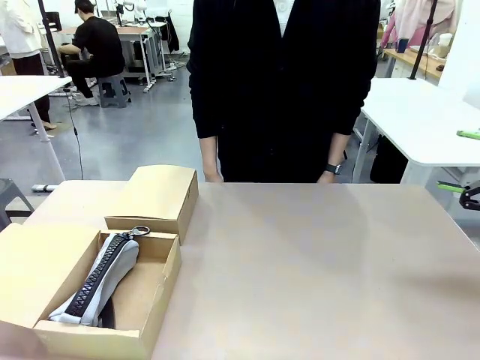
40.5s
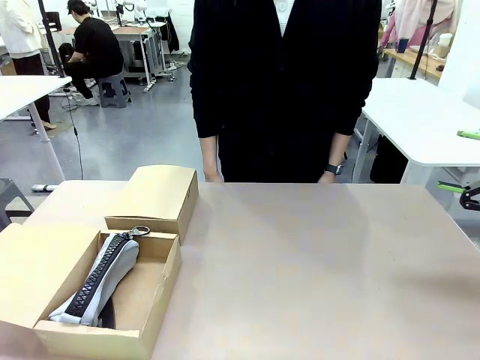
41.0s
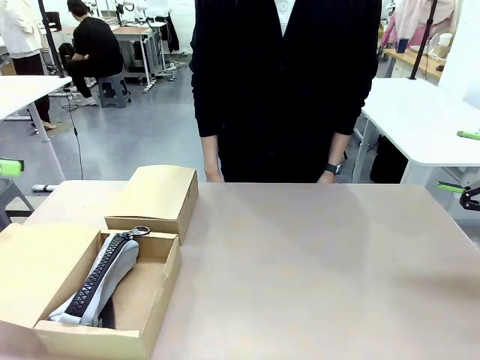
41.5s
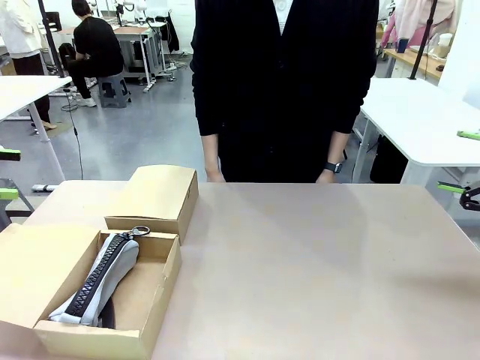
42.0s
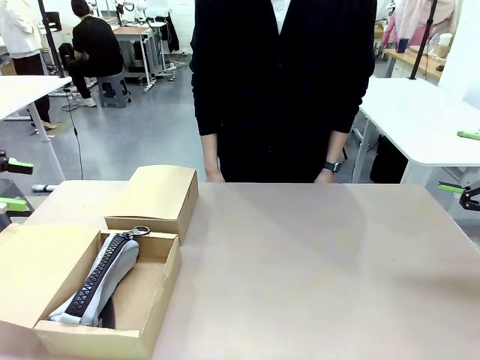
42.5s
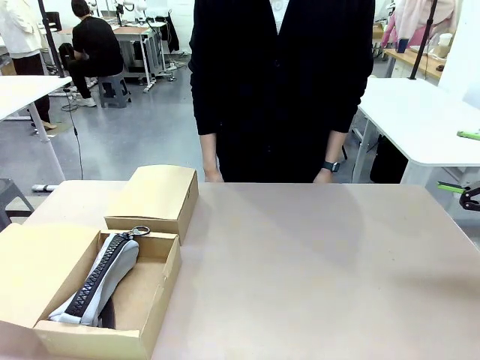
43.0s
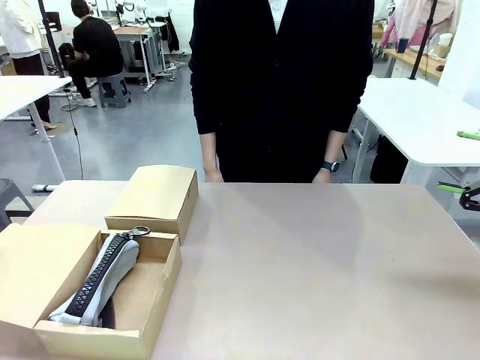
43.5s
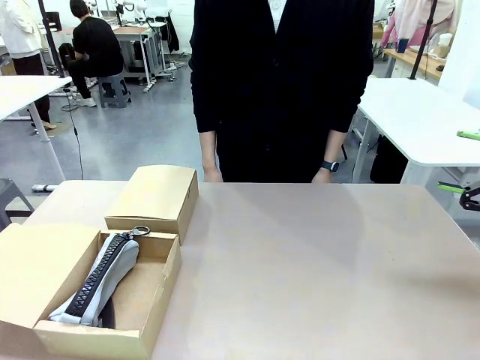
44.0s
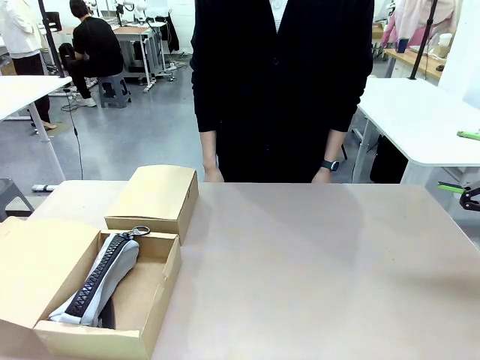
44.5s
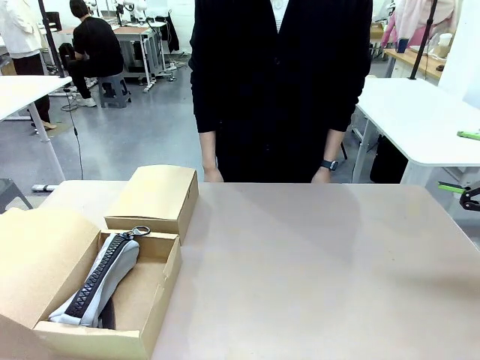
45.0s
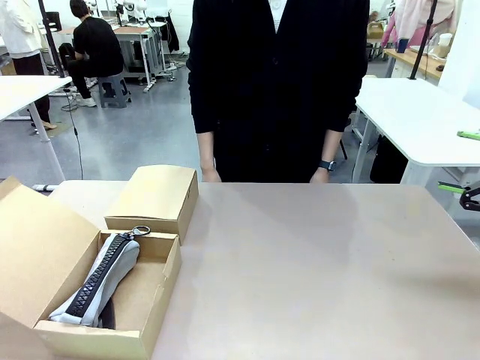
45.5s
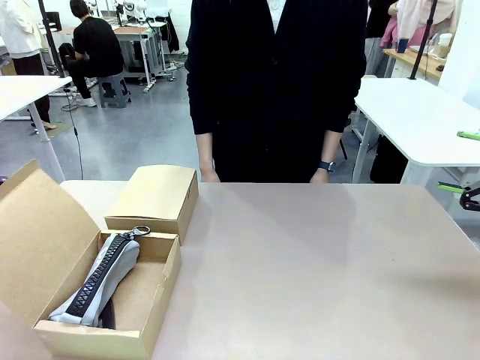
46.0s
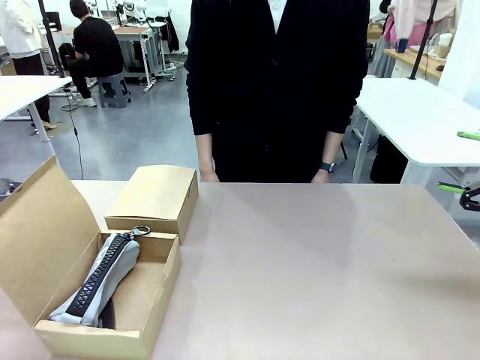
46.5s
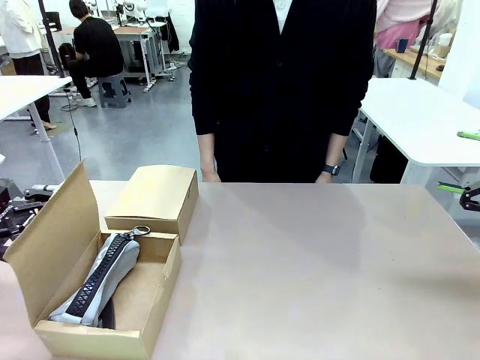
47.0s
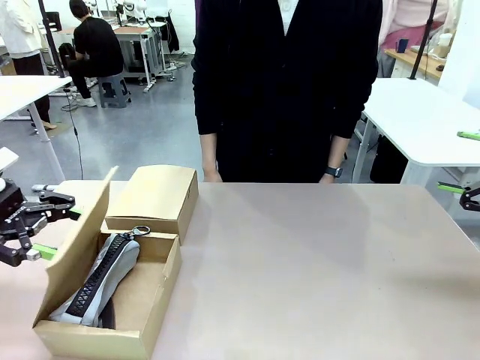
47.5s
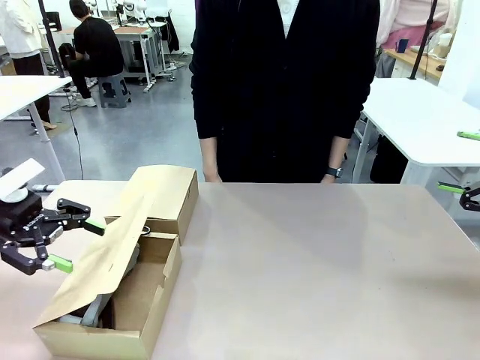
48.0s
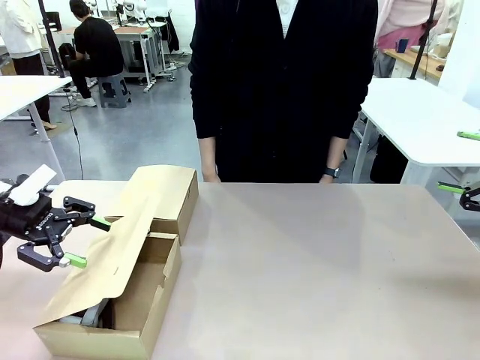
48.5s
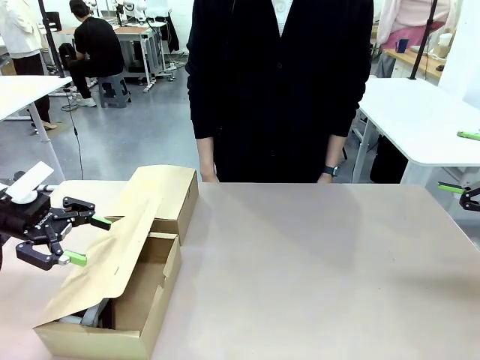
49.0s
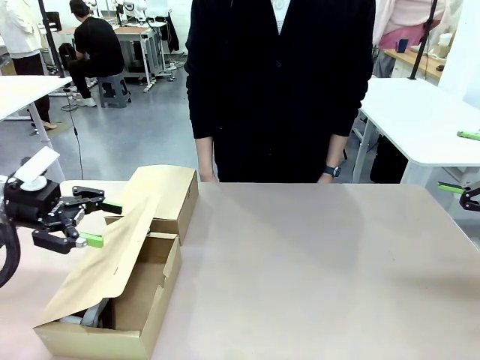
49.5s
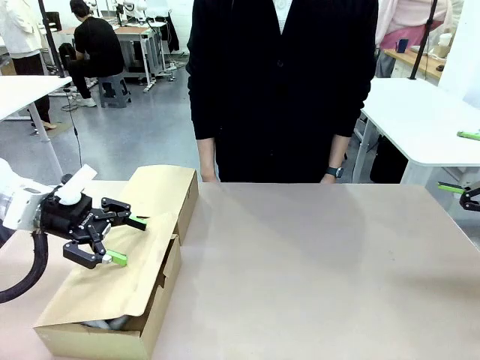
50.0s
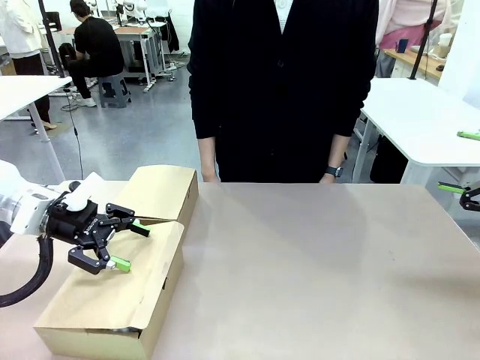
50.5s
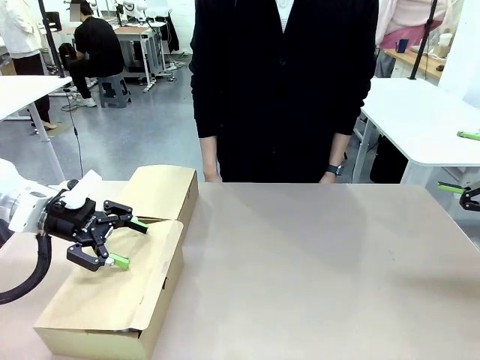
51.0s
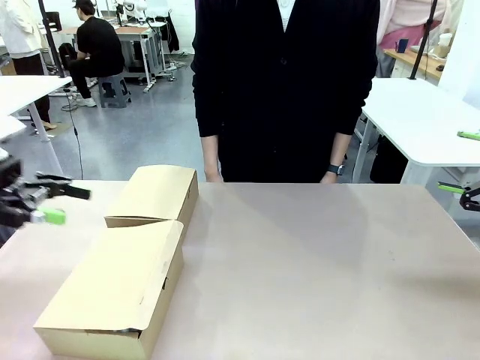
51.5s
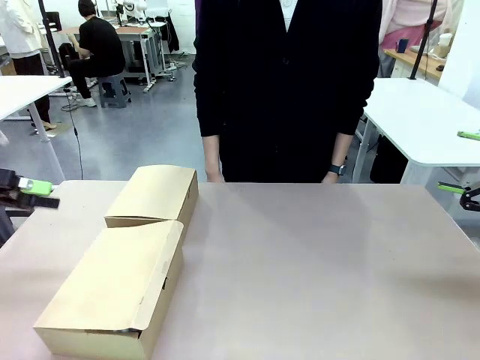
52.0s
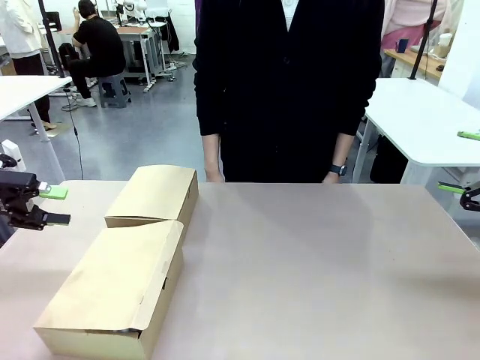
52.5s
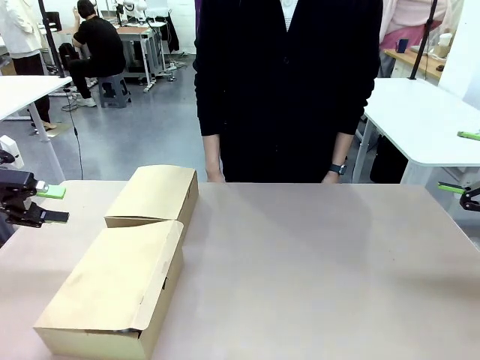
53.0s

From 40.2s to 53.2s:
Task: Place items inside the box.
Robot: Close the lid of the Mailer Box closest to the robot.

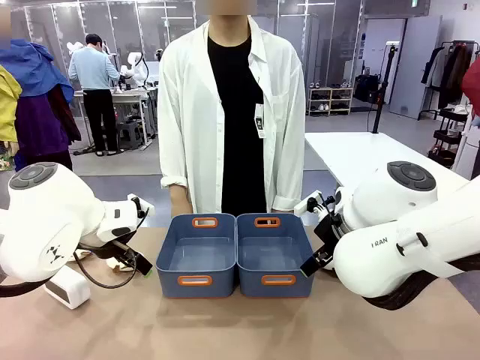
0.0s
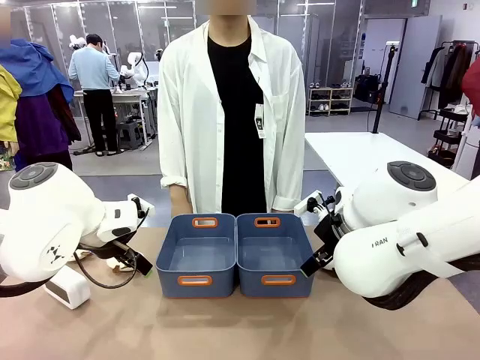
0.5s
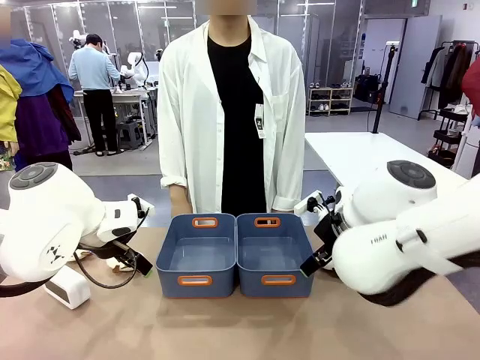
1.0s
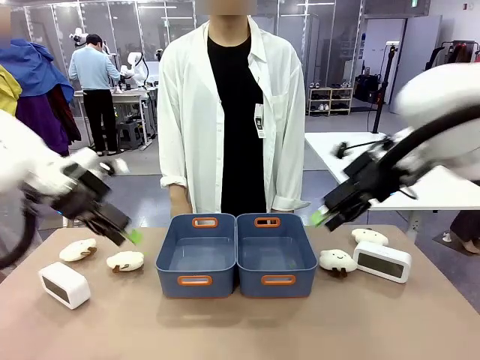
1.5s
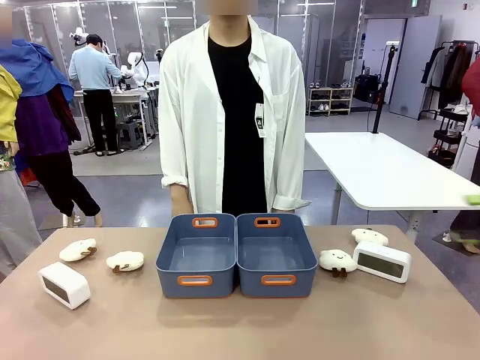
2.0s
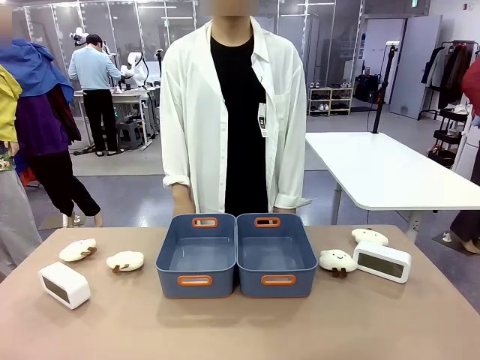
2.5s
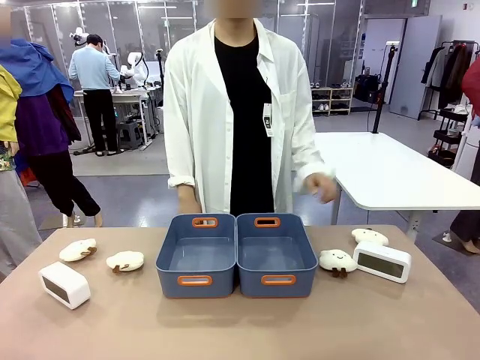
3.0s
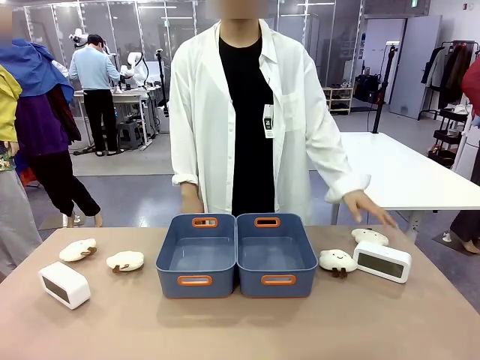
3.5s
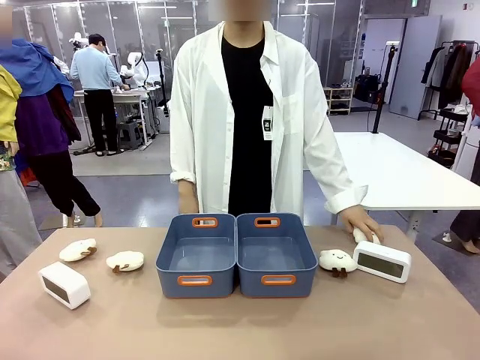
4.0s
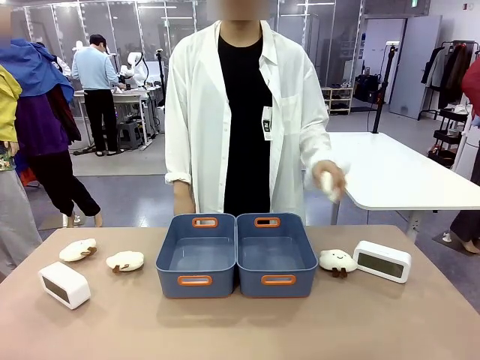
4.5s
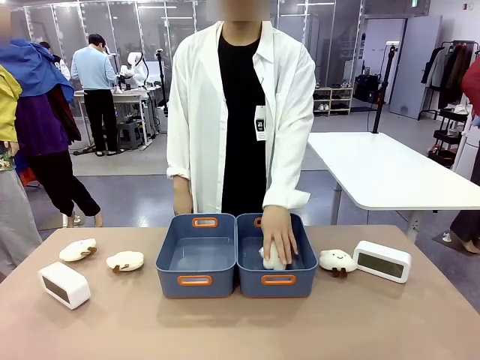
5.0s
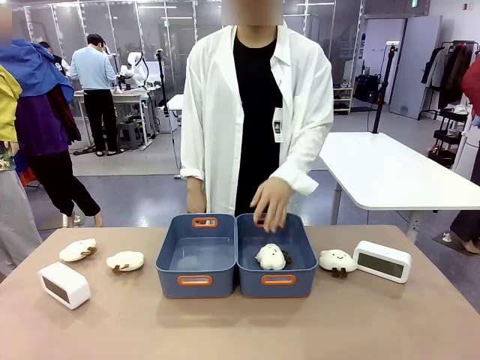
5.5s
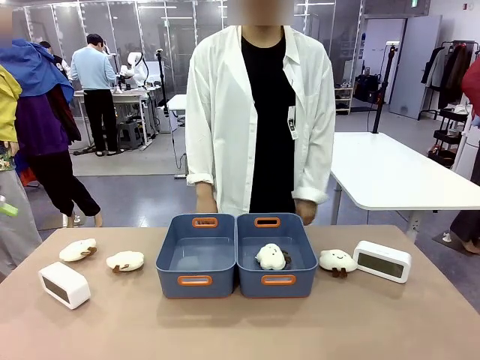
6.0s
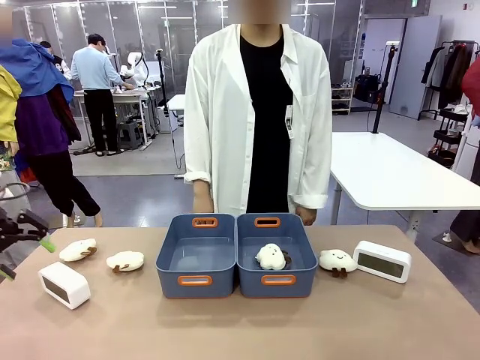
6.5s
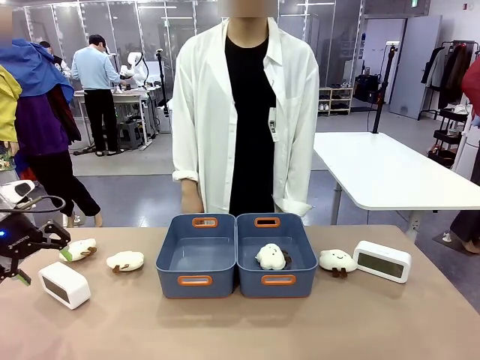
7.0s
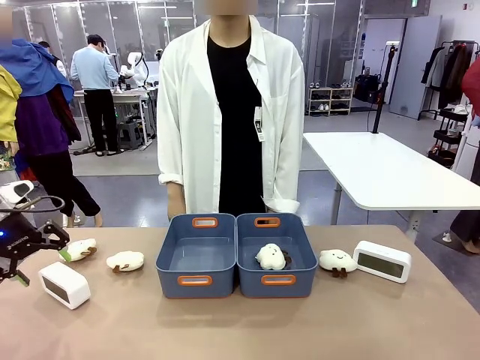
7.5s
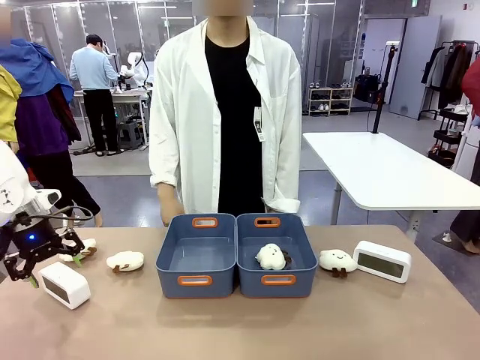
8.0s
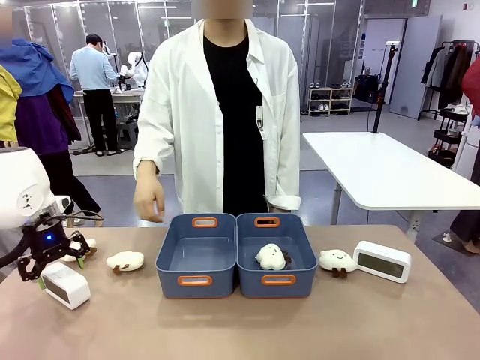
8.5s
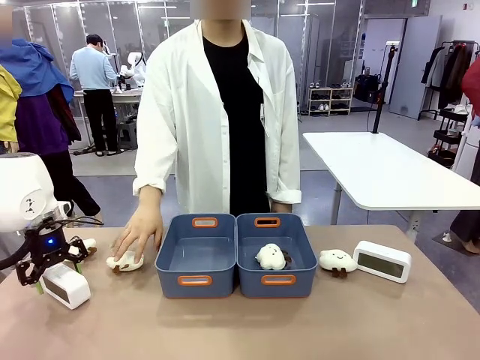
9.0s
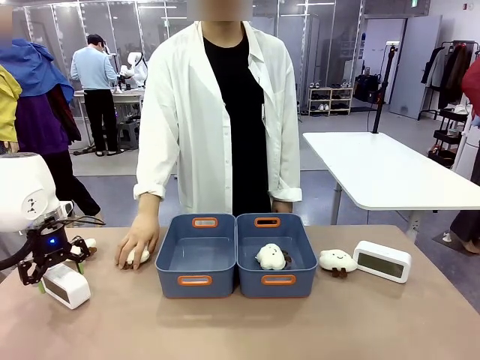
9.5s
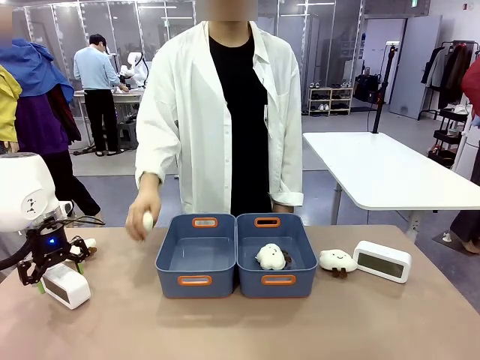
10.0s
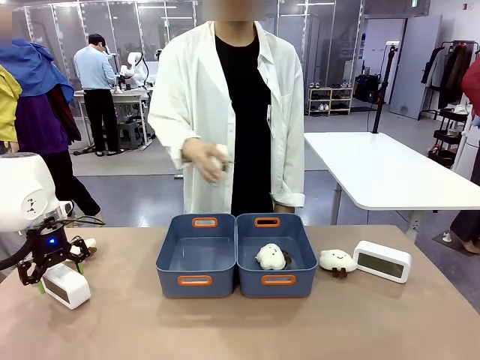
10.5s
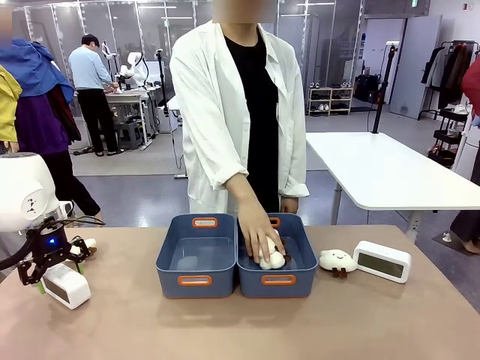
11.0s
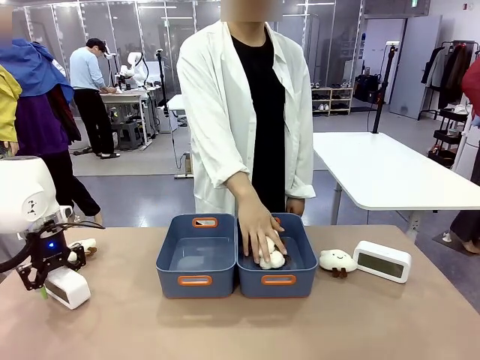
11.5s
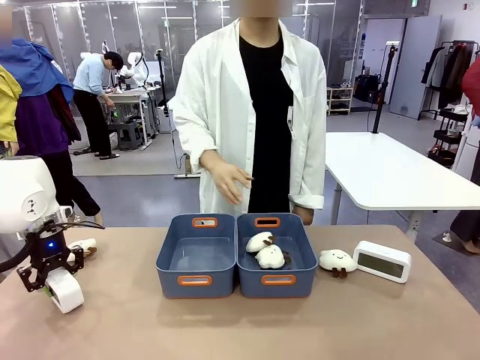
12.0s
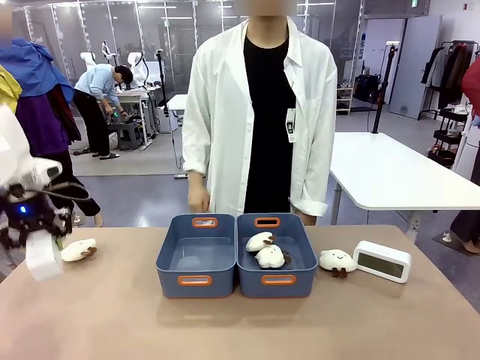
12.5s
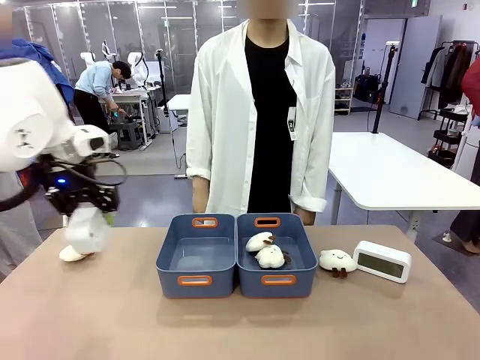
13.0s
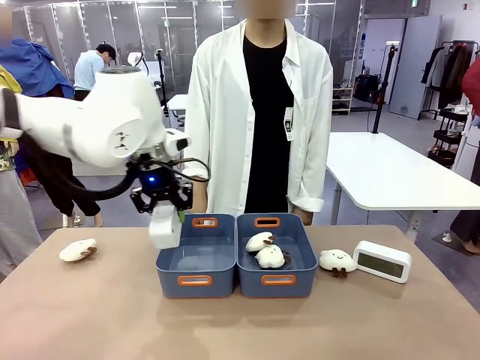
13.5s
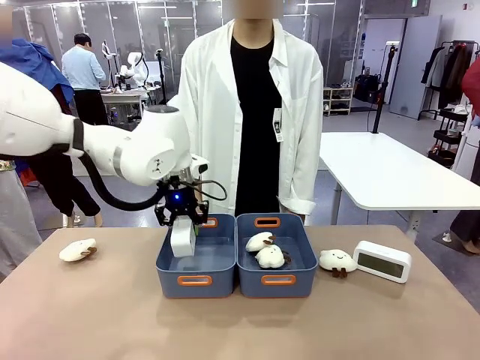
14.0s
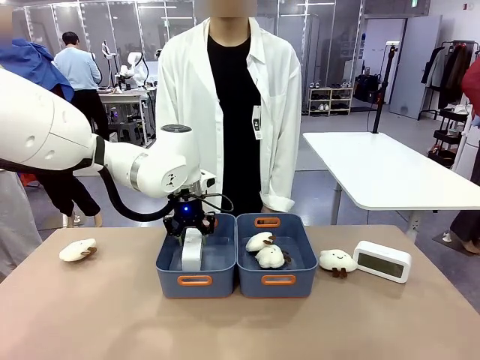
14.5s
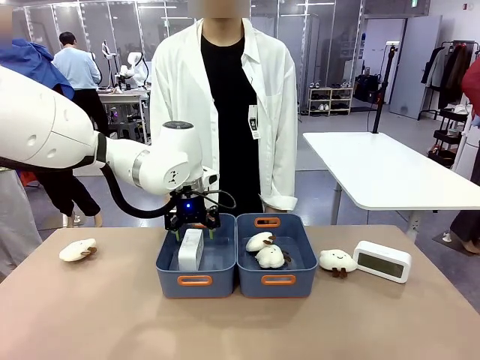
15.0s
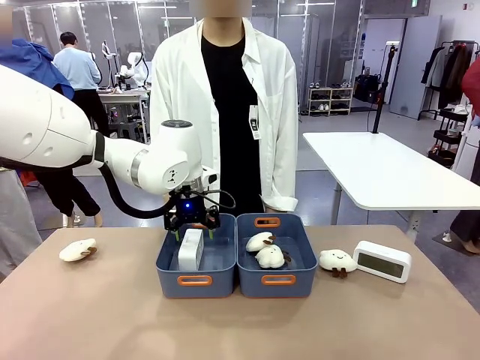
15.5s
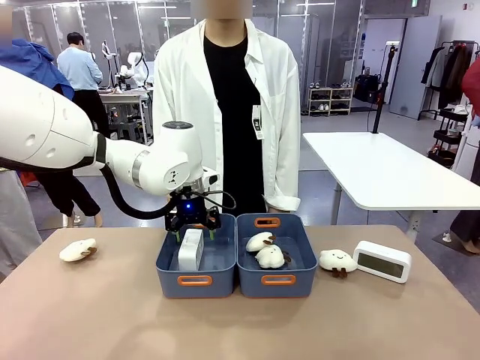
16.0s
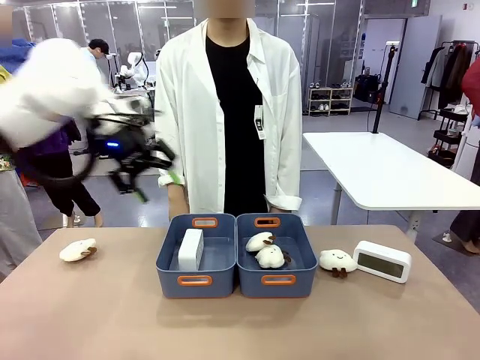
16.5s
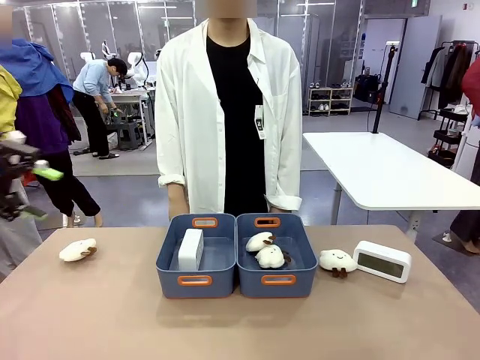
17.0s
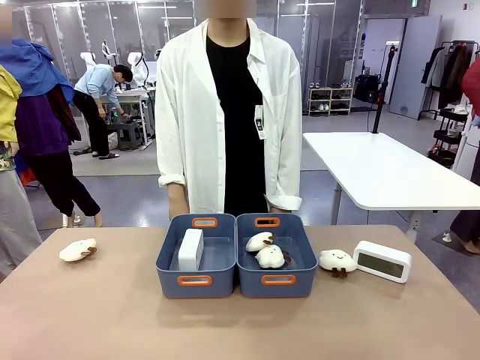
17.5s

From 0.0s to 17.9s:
Task: Sort the digital clocks into the basket.
Robot: Pick up the Digital clock from the table and place it into the empty Plastic storage basket.
Person: Pick up a plush toy from the table and place it in a plastic storage basket.
